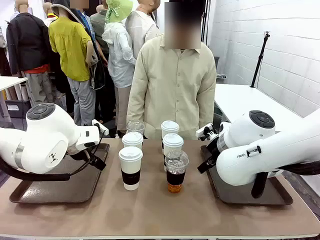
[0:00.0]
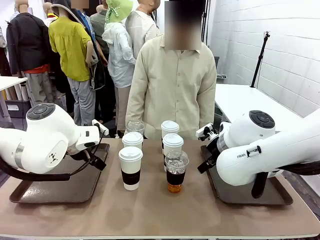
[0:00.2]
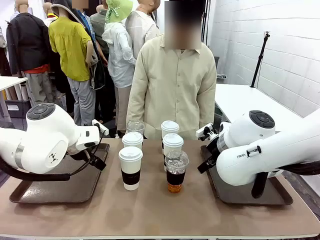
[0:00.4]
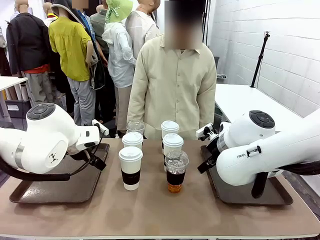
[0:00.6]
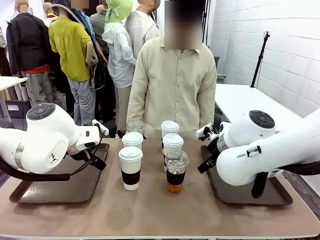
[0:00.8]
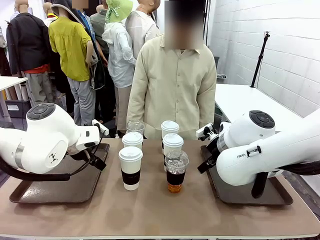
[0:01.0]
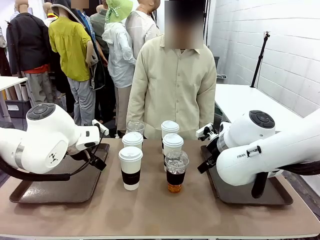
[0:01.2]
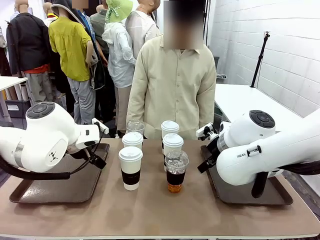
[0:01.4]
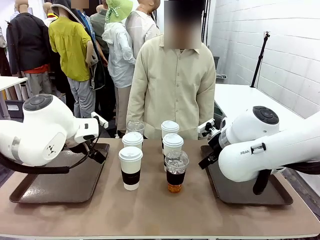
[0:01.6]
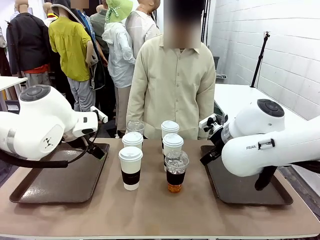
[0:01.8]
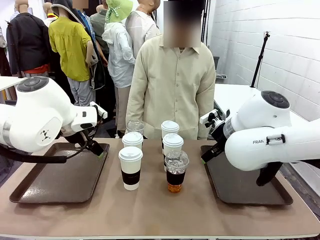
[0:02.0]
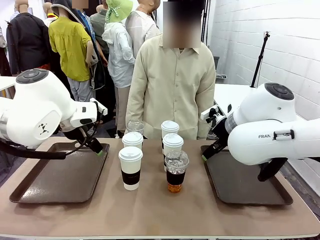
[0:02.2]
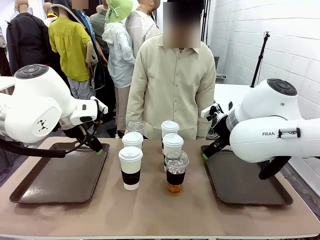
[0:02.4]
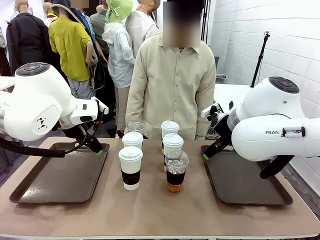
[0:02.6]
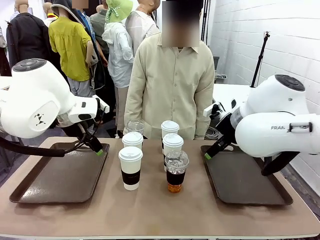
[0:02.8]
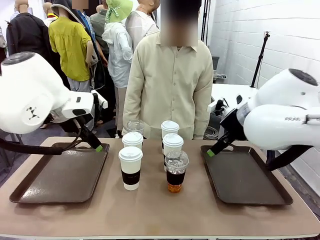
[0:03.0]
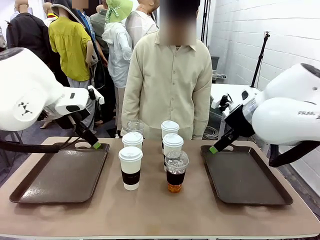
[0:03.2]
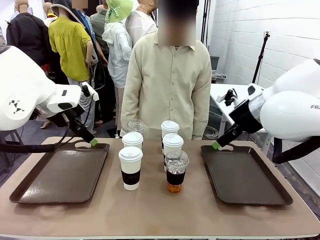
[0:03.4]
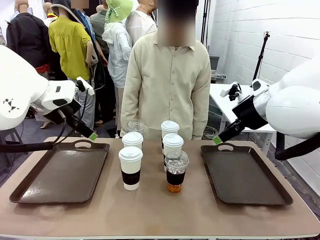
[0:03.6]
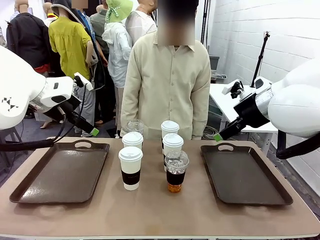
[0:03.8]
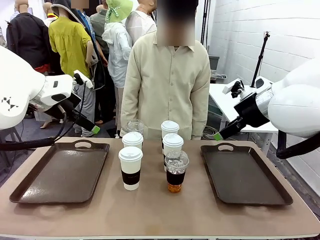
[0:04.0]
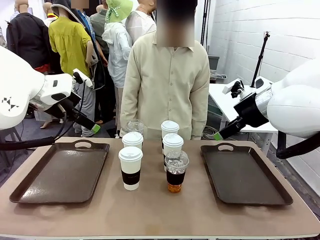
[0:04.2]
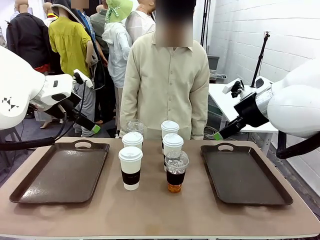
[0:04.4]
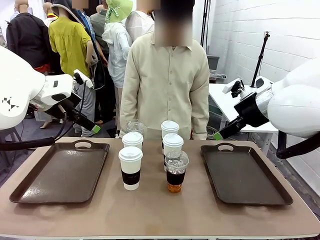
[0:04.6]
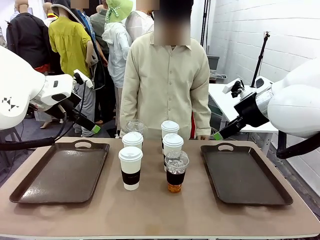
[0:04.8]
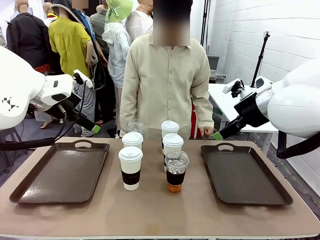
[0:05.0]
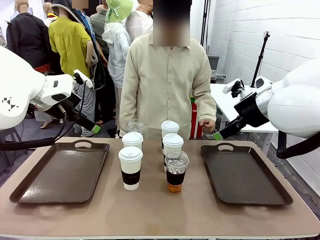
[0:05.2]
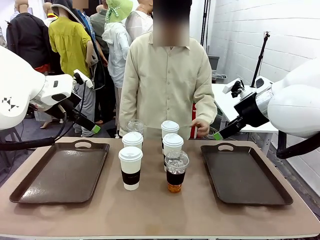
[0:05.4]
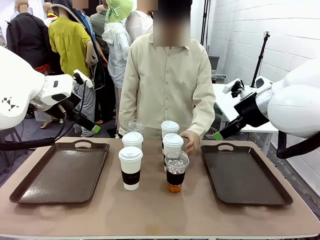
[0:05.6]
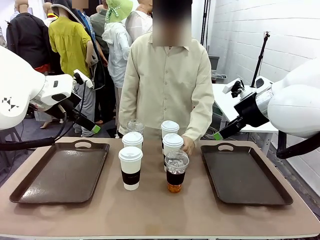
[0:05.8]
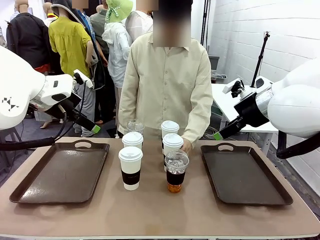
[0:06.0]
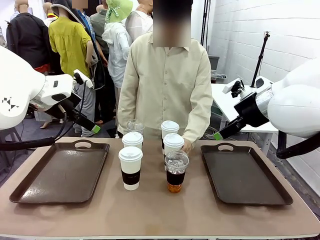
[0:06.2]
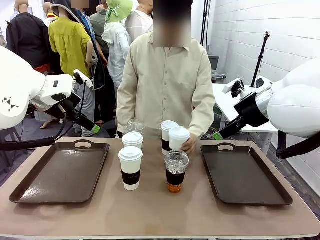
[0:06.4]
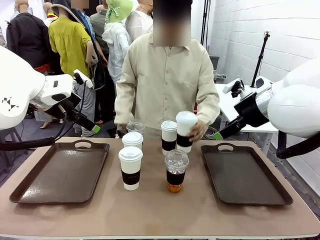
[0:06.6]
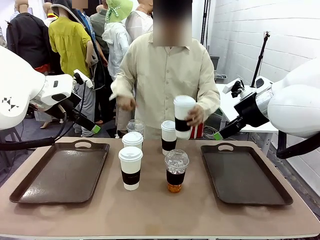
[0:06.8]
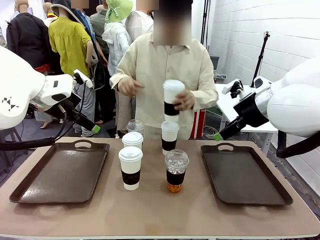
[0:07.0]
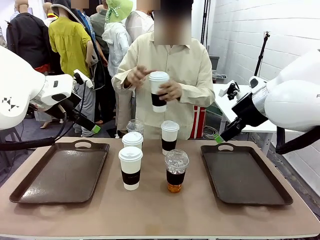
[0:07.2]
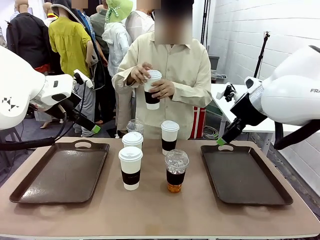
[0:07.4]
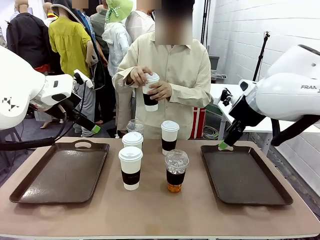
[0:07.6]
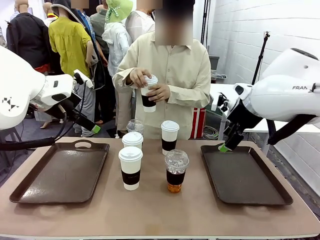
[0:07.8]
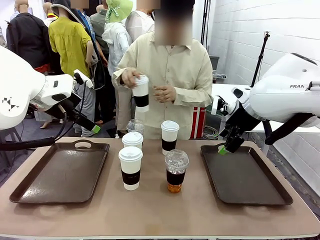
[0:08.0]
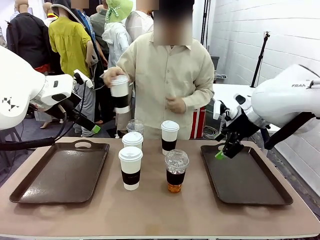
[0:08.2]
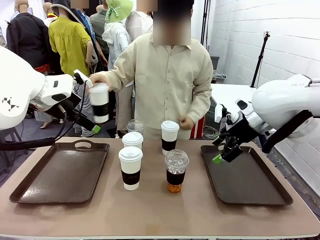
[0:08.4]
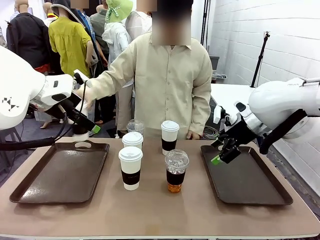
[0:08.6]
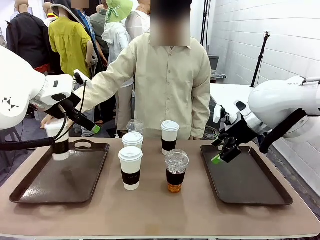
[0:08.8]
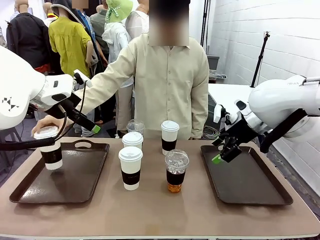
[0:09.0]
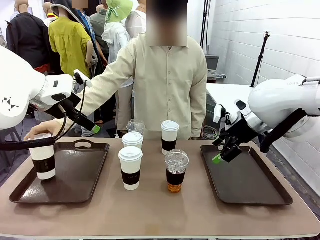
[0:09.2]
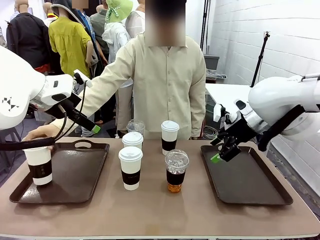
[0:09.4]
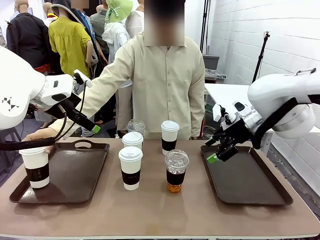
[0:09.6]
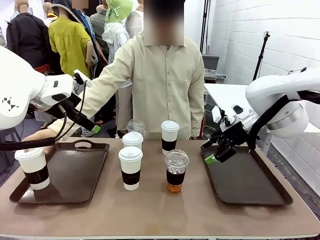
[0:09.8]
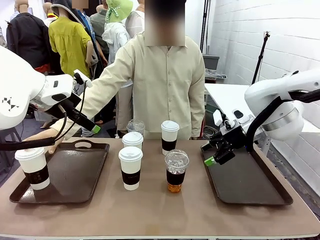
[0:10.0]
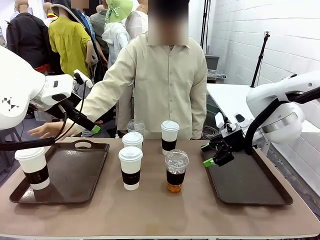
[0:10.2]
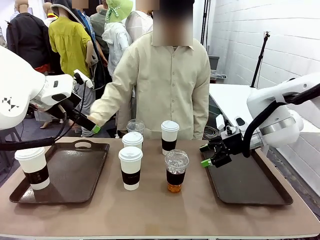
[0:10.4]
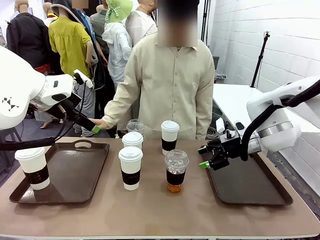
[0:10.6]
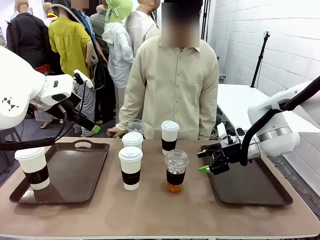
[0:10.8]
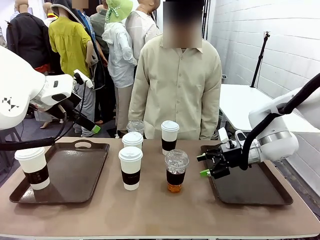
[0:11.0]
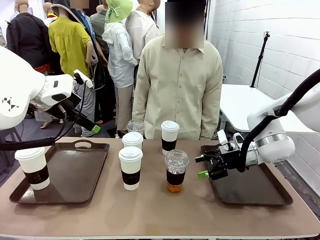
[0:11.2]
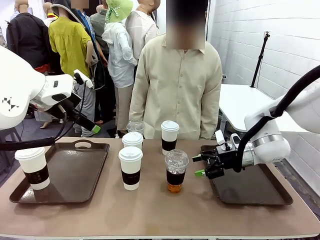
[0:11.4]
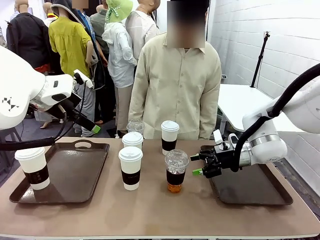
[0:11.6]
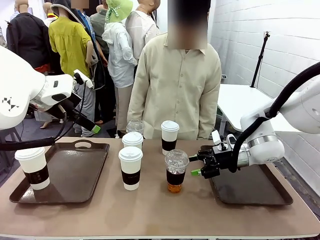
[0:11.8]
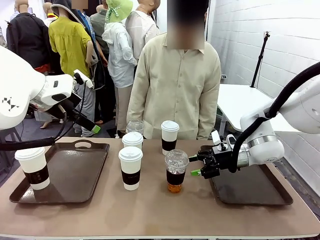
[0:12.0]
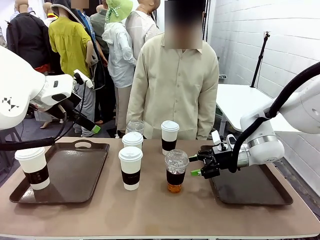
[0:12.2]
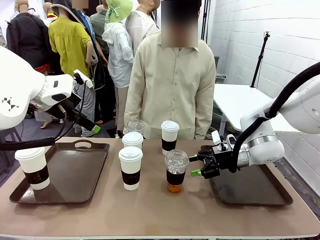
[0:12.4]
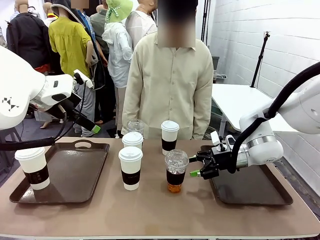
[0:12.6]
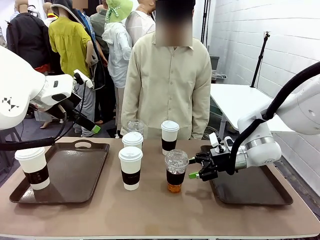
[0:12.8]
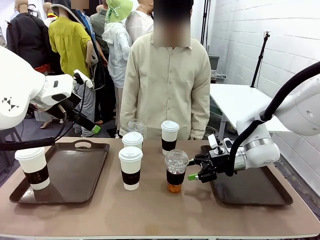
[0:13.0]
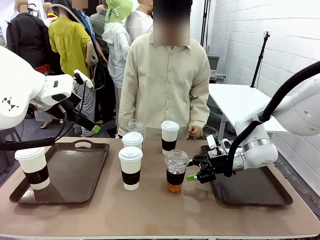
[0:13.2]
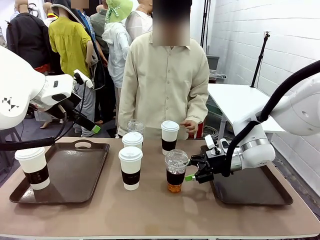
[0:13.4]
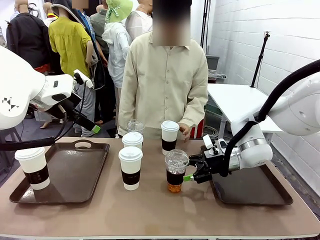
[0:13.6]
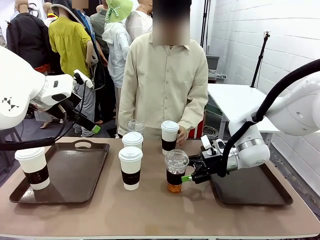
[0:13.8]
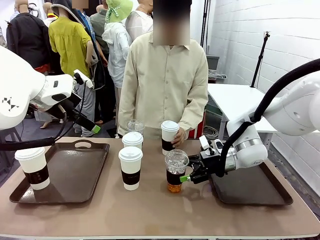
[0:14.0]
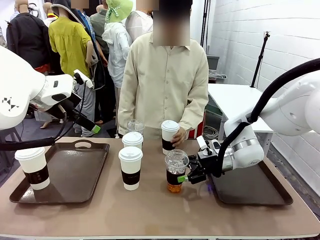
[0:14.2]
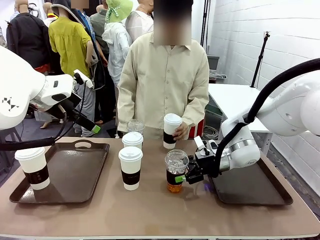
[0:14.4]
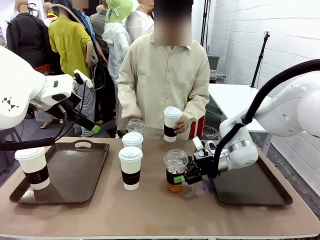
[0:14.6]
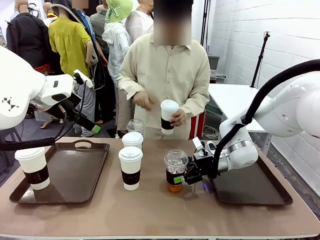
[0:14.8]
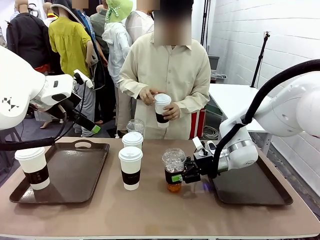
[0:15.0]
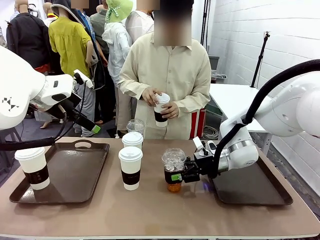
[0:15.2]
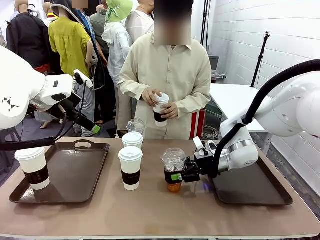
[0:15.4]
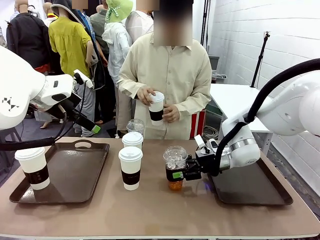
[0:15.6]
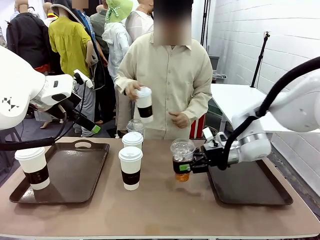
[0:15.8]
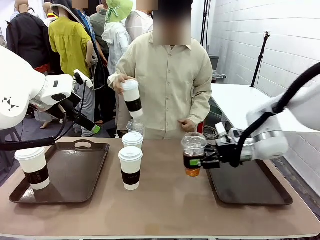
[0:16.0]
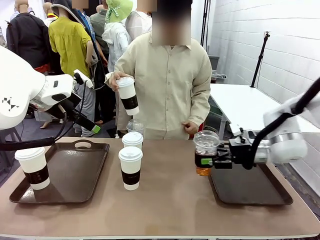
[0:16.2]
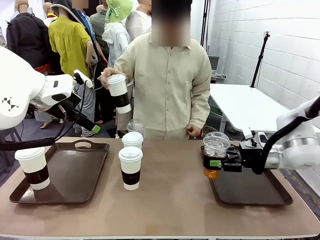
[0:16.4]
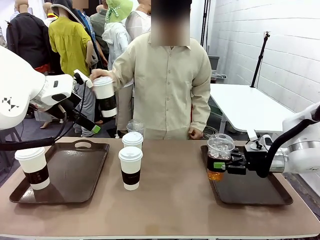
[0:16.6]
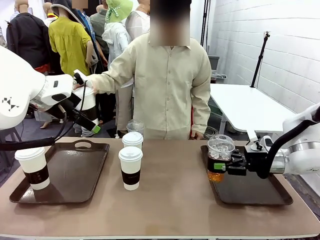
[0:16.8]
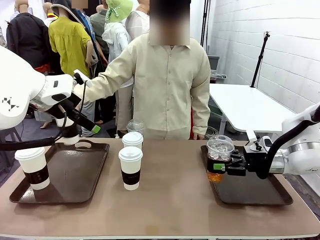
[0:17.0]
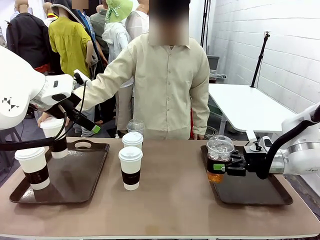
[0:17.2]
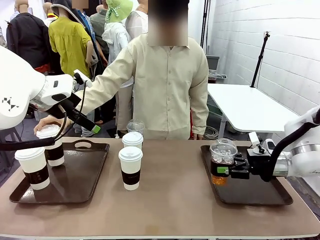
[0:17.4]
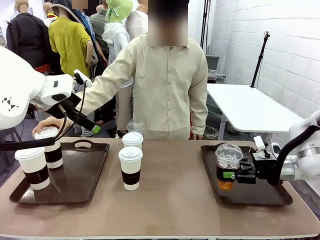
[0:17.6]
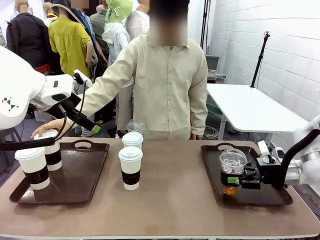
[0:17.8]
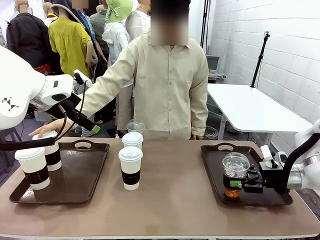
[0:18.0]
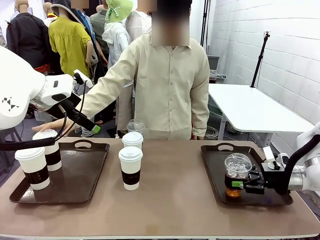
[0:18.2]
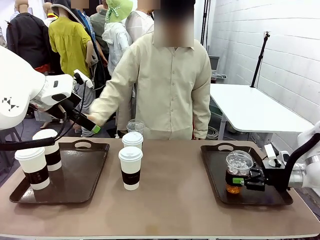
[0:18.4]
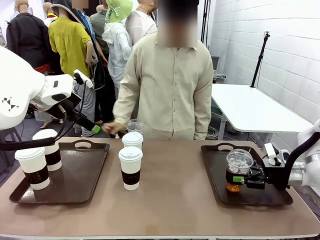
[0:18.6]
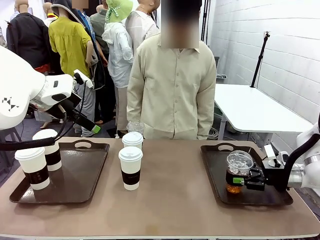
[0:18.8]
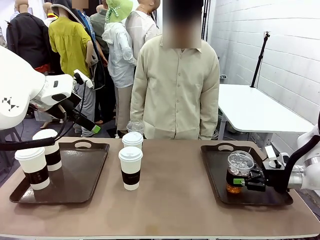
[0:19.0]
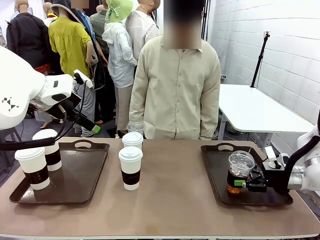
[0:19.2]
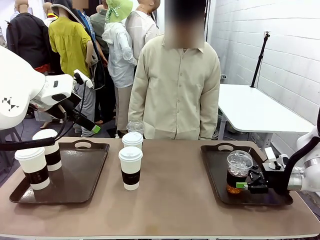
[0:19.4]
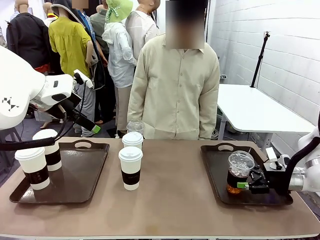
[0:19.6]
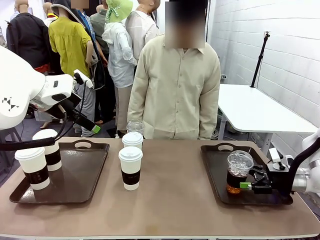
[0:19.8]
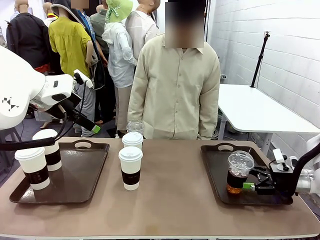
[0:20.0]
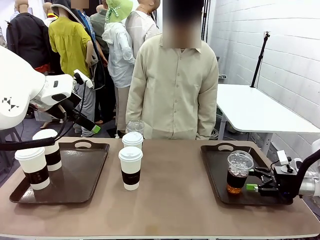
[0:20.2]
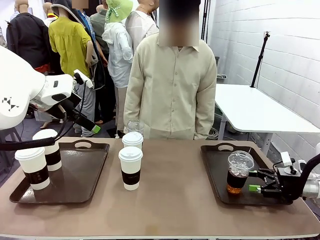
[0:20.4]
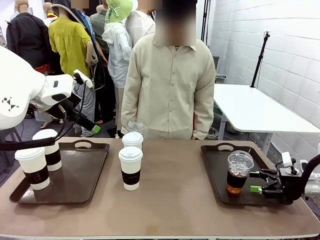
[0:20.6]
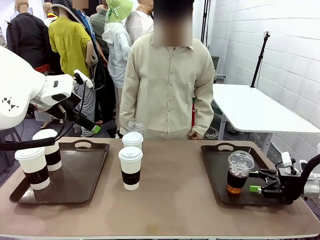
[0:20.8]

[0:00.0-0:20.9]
Task: Distribute the coffee onto the tray.
Robot: Pick up one iced Americano and place it on the right Handle tray.
Person: Pick up a cup of hot Americano and place it on the right tray.
